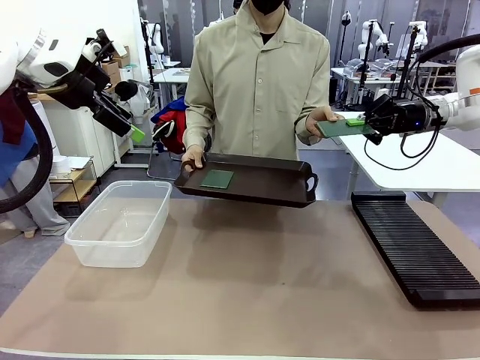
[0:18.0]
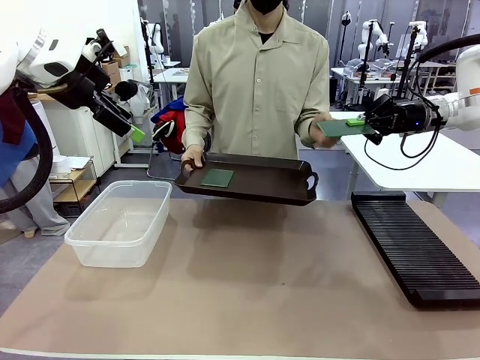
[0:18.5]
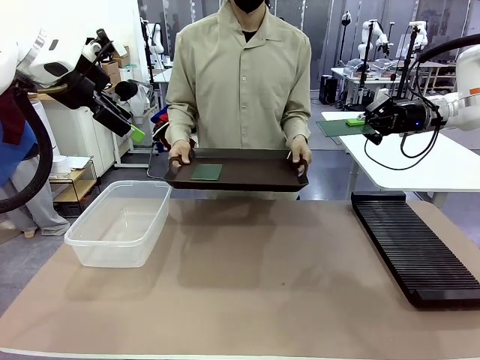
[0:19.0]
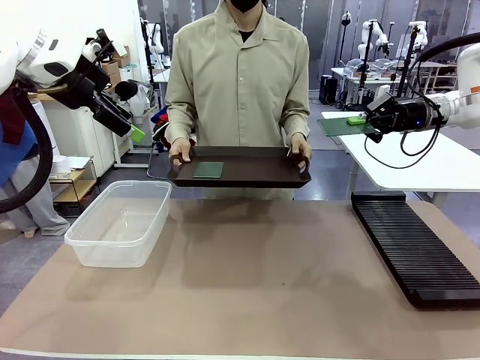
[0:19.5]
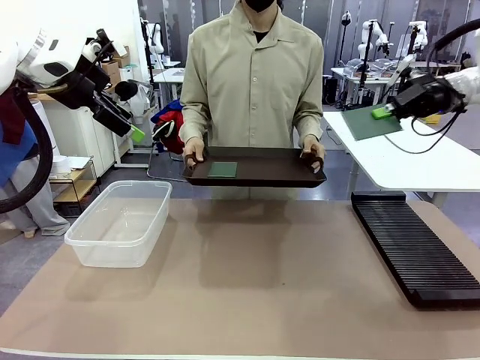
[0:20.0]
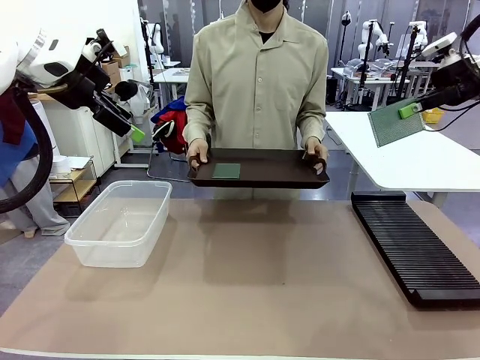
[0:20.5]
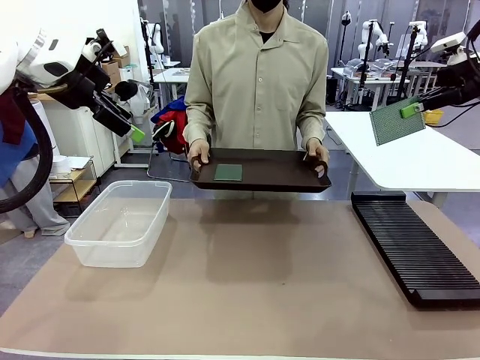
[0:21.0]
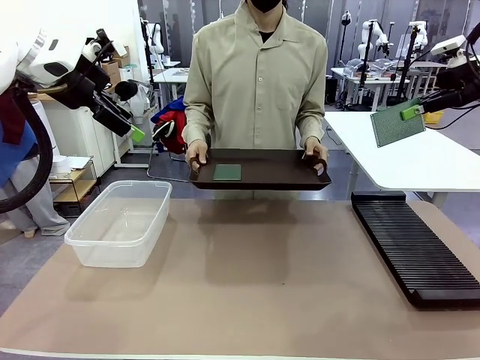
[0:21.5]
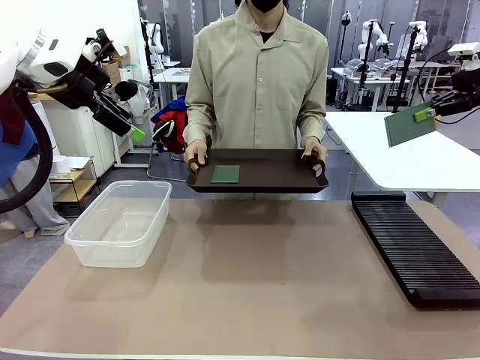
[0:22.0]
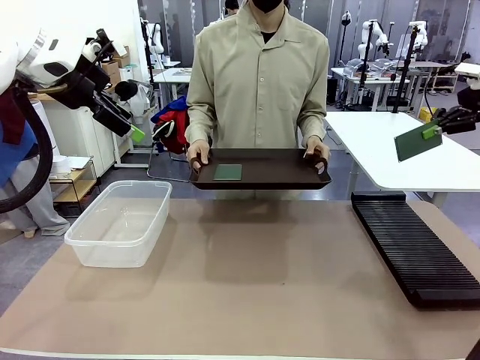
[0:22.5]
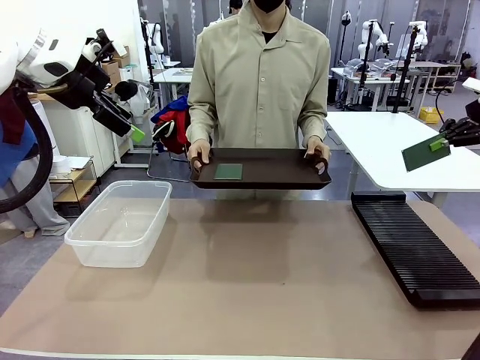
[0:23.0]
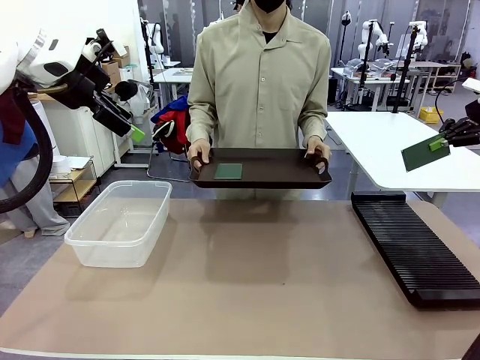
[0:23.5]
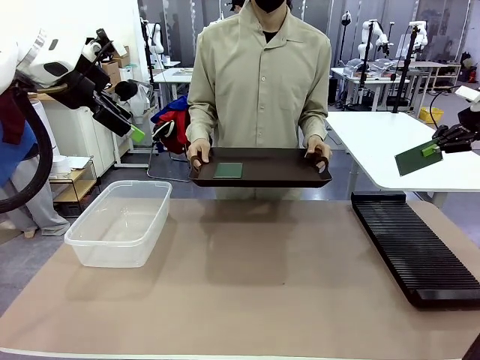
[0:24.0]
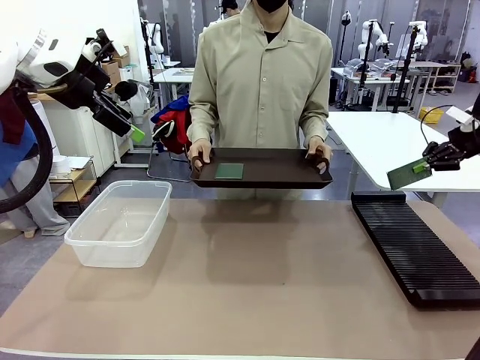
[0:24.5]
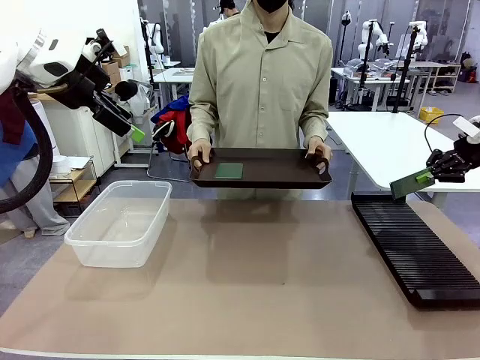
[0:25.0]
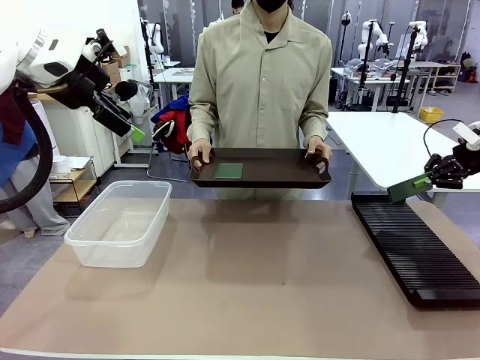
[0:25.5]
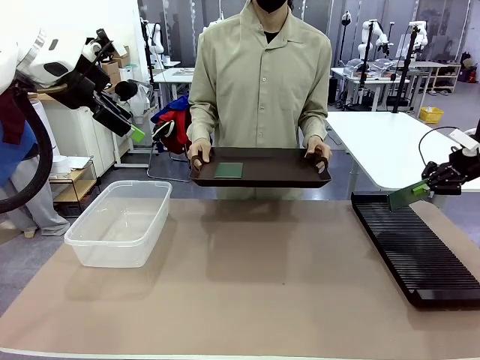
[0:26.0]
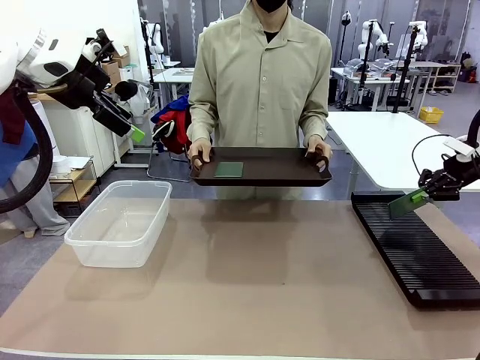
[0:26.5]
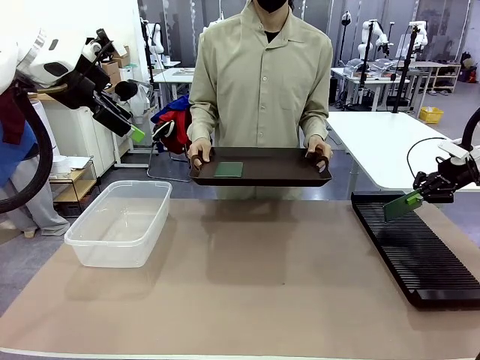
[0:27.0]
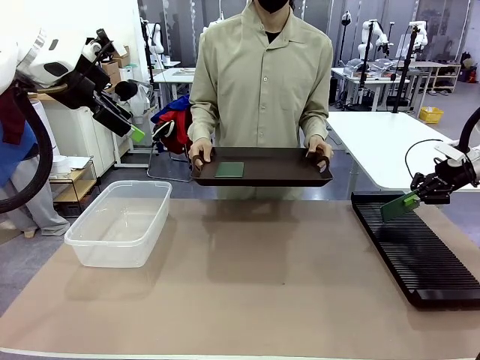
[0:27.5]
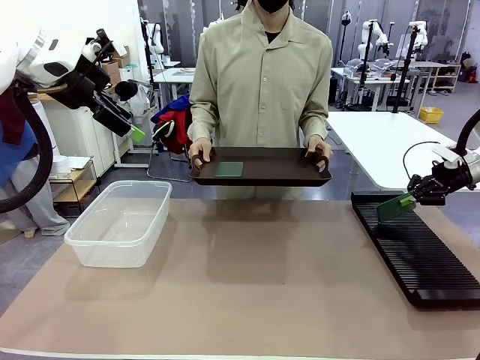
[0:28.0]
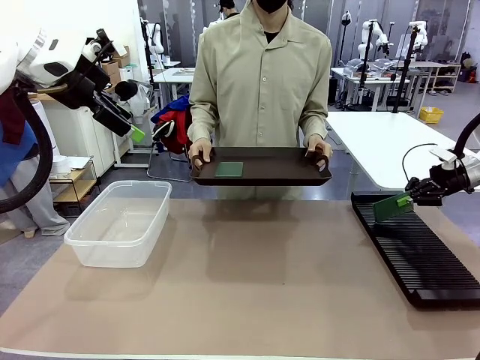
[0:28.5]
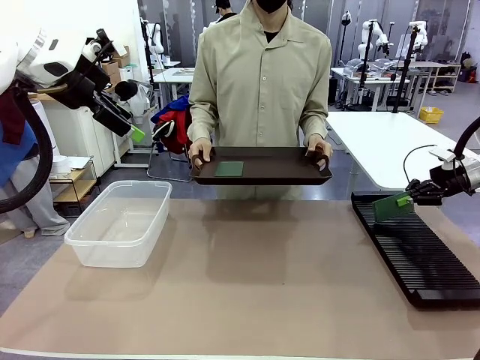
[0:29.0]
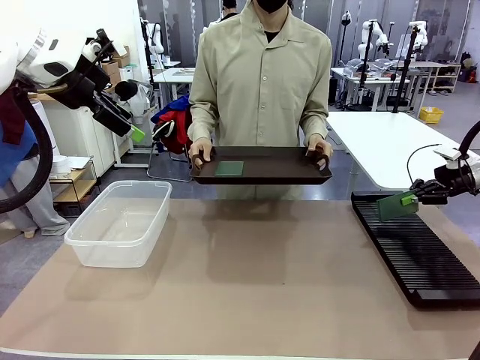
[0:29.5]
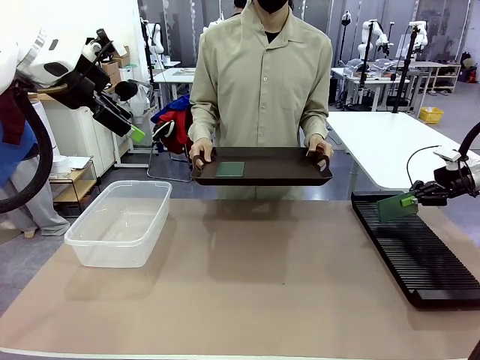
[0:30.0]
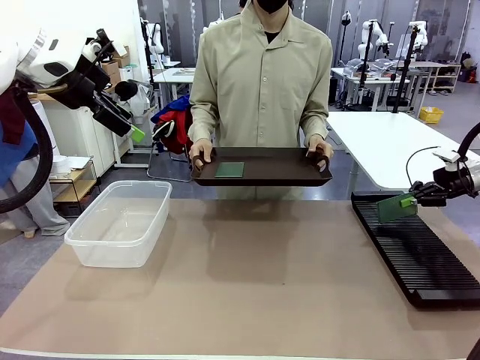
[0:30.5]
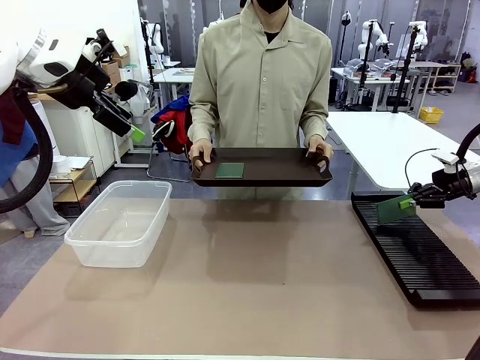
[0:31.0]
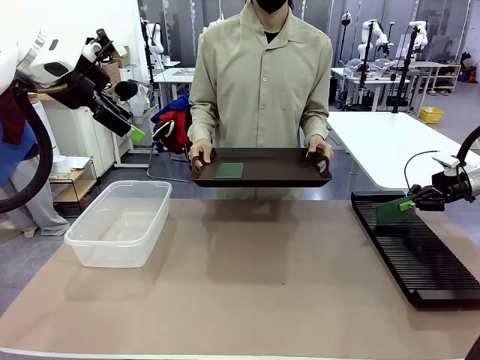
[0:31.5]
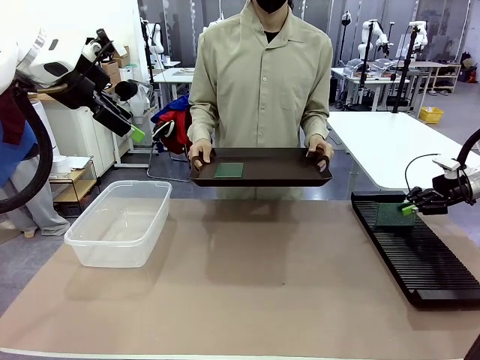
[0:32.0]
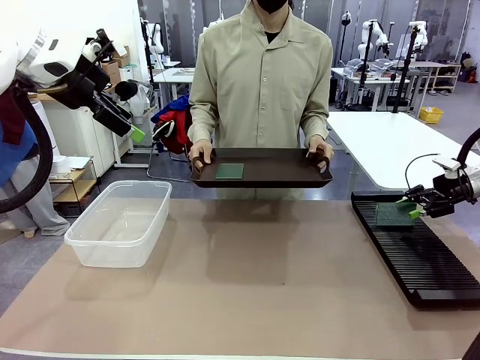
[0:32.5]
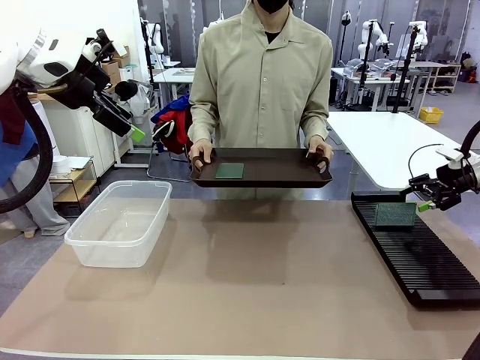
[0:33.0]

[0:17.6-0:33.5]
Task: Sort PCBs into racks and boxes based on the side picked up.
Robot: If the short side of the Blank PCB is picked up, insert it into the PCB Rack ; if the long side is picked up, place it in the Organizing box.
Person: Pick one PCB from the tray and present it to the robot.

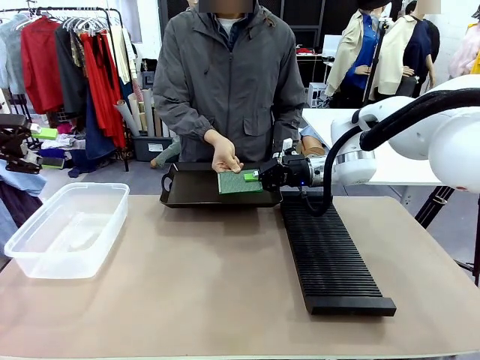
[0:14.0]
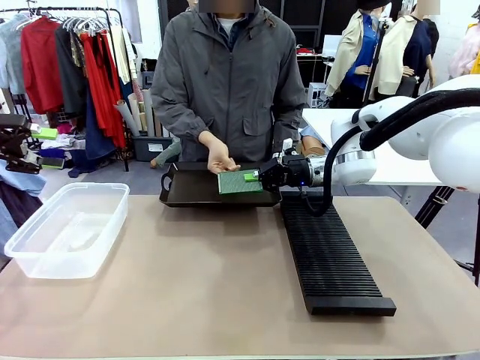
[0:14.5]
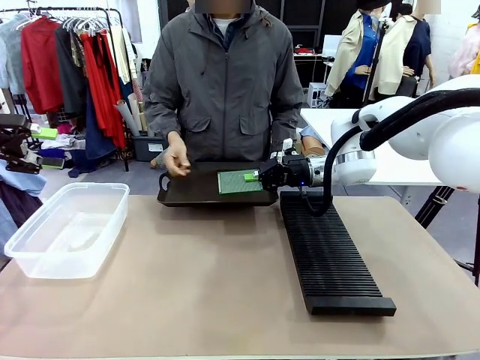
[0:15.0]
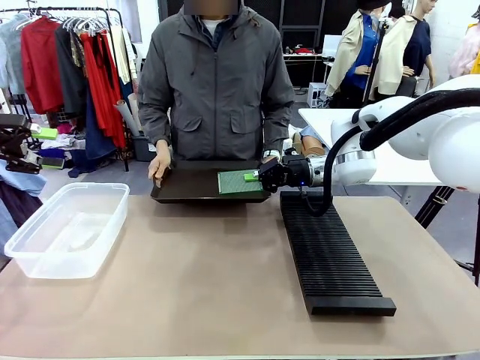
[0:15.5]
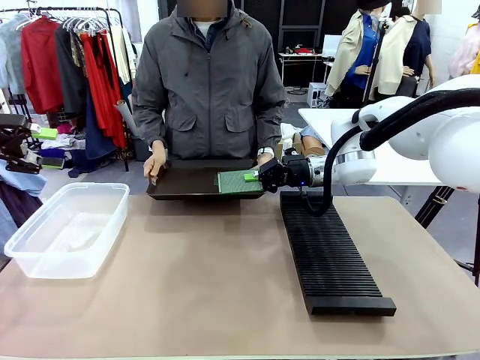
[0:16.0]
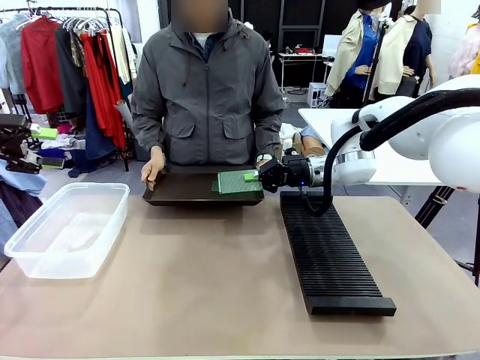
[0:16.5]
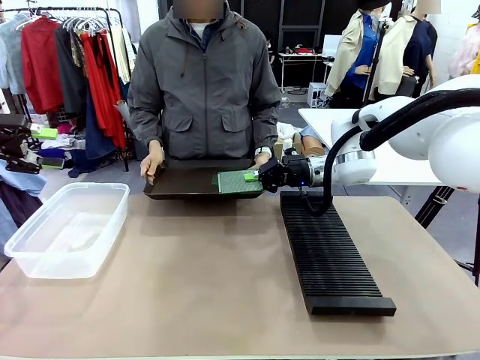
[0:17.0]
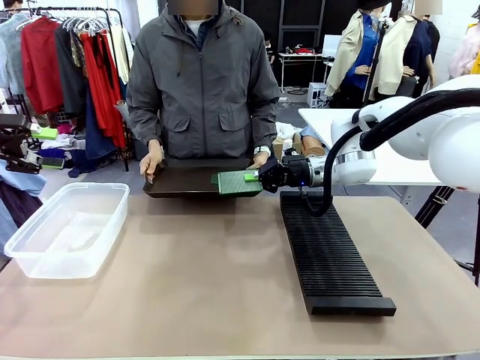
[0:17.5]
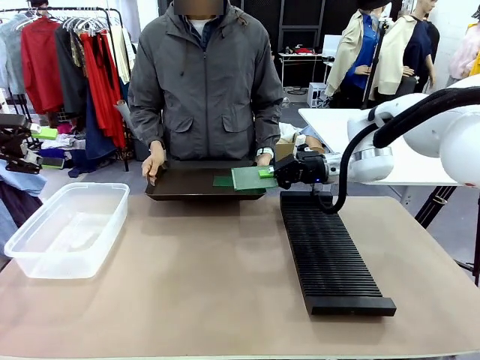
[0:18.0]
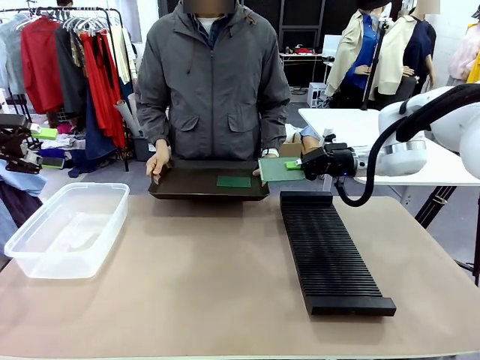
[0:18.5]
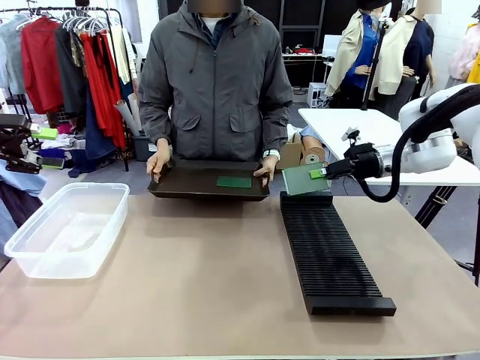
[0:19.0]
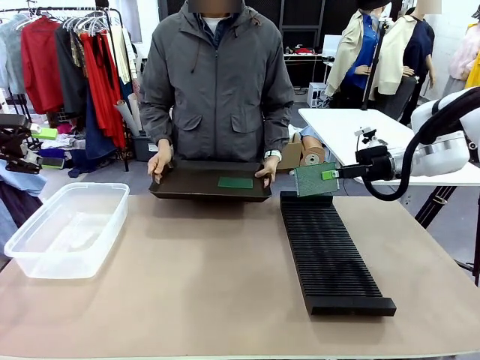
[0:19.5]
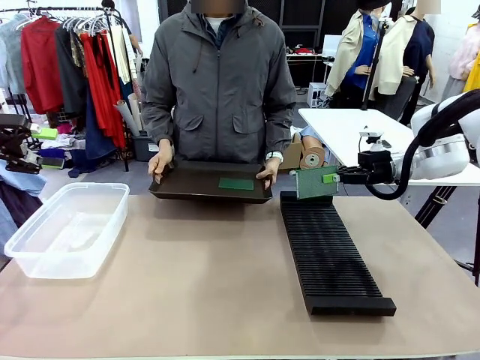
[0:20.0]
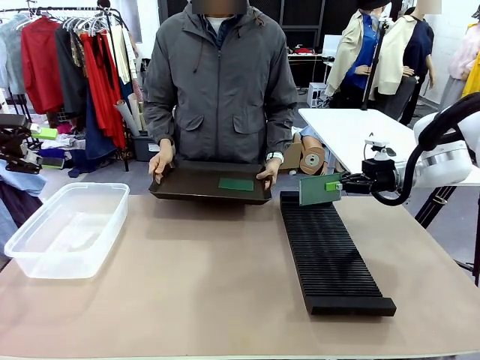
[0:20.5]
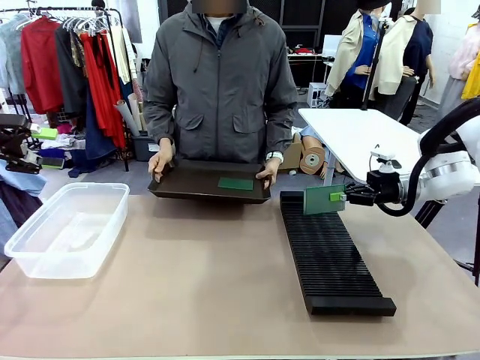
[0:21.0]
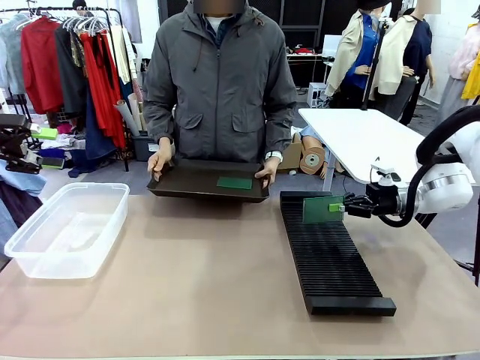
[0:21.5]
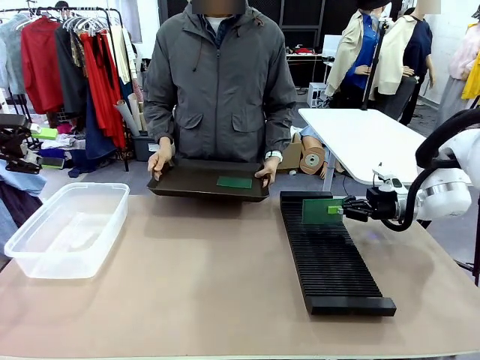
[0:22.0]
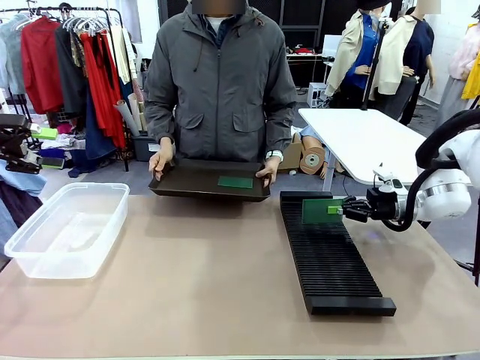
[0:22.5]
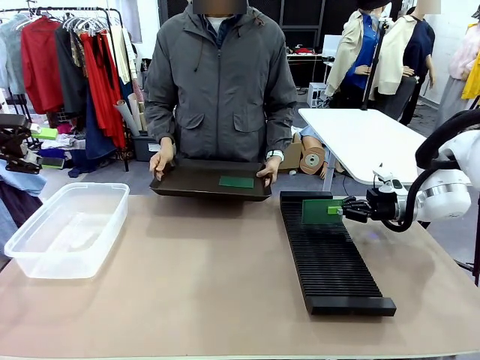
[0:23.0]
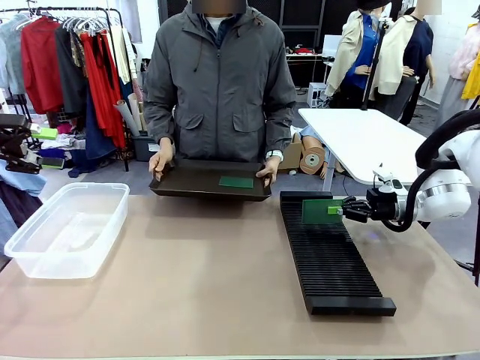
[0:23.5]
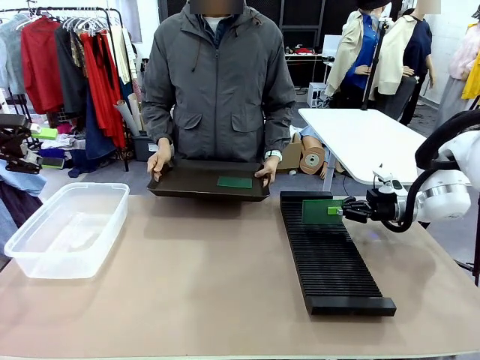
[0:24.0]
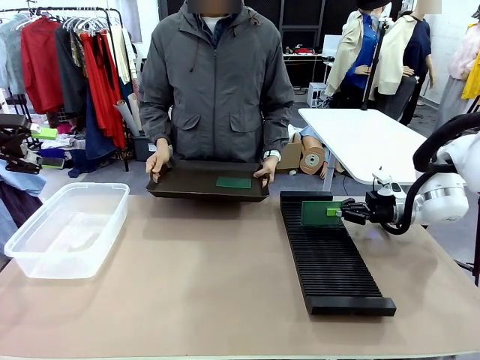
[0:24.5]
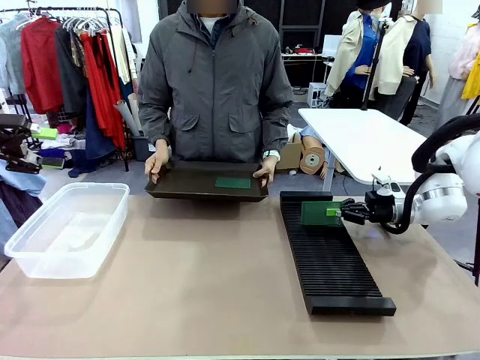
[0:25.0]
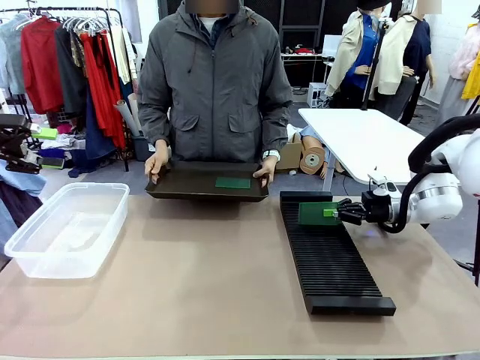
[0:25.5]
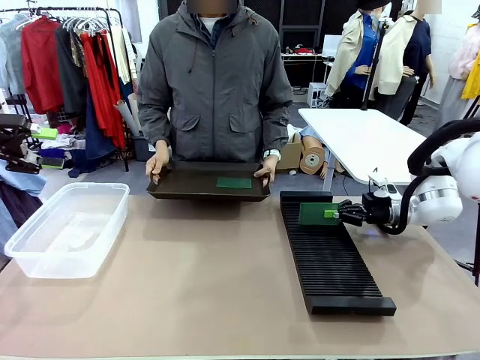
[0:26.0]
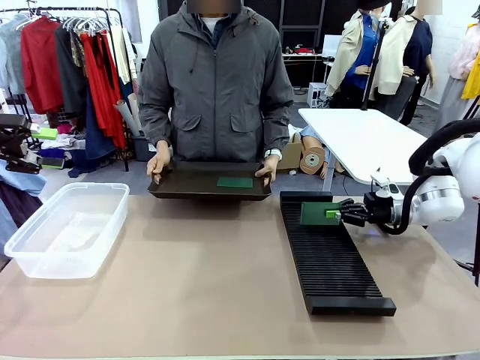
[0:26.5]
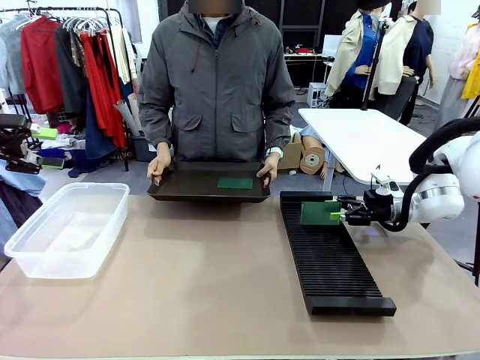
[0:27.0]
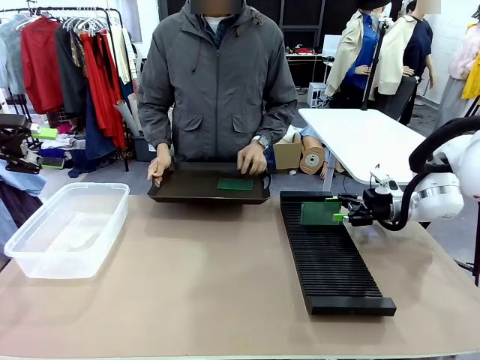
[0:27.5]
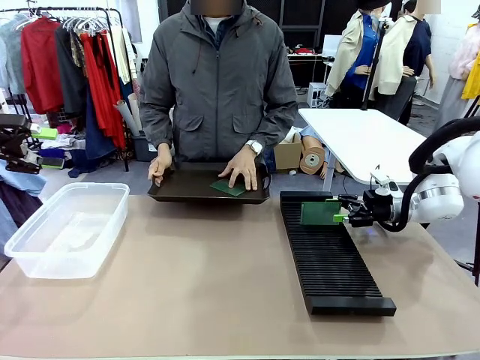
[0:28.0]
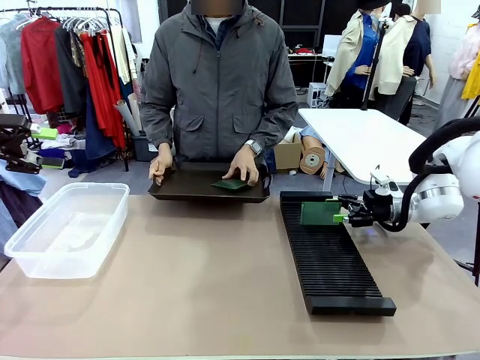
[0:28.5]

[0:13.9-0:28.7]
Task: Sort PCBs into racks and boxes based on the side picked up.
Robot: If the short side of the Blank PCB is picked up, insert it into the PCB Rack ; if the long side is picked up, place it in the Organizing box.
Person: Pick one PCB from the tray and present it to the robot.
